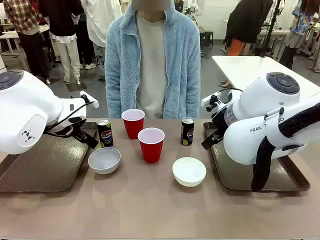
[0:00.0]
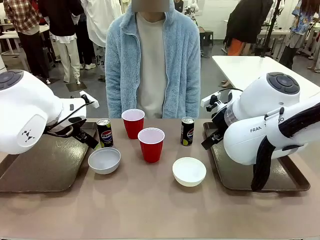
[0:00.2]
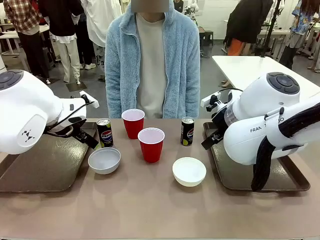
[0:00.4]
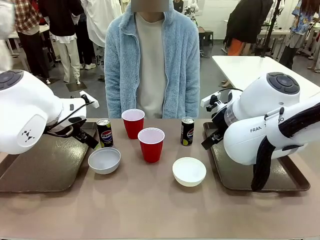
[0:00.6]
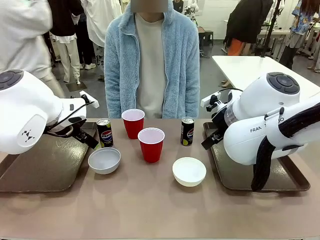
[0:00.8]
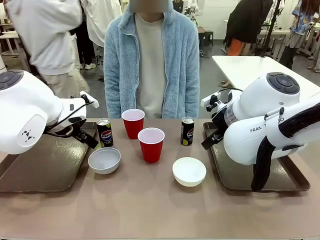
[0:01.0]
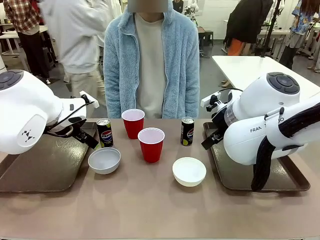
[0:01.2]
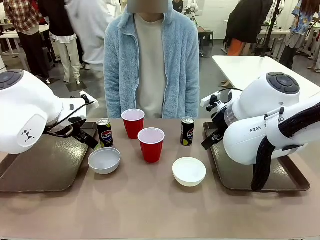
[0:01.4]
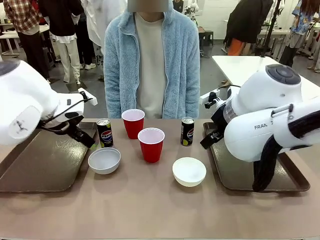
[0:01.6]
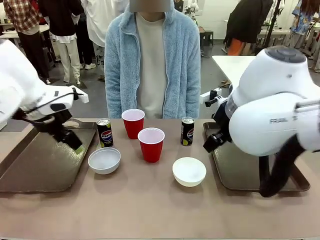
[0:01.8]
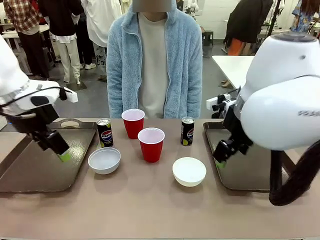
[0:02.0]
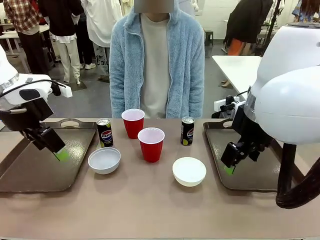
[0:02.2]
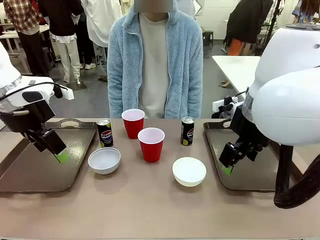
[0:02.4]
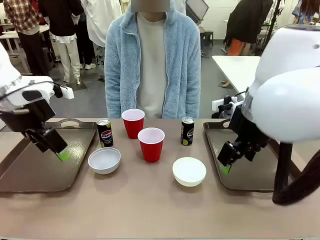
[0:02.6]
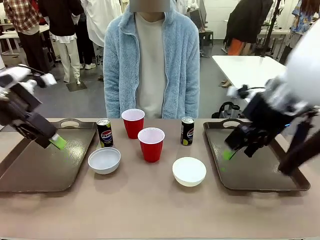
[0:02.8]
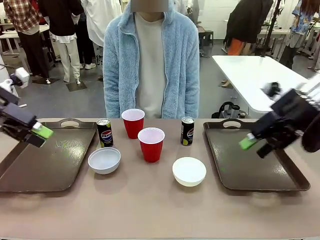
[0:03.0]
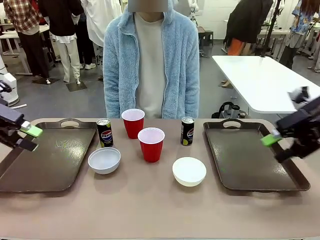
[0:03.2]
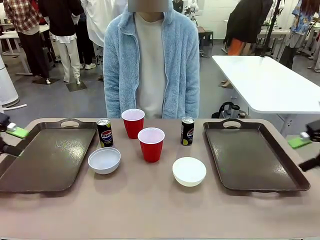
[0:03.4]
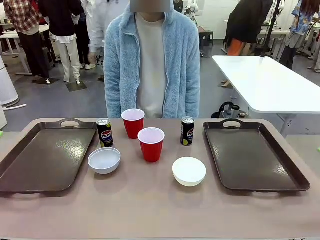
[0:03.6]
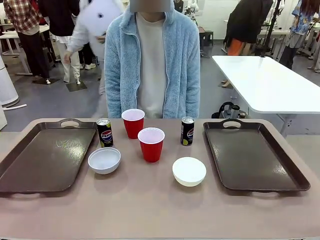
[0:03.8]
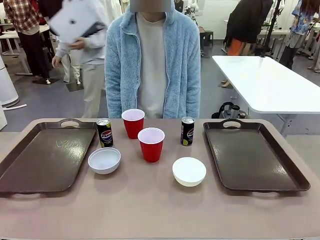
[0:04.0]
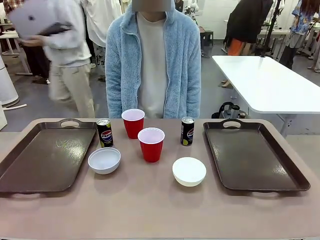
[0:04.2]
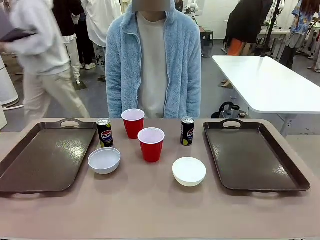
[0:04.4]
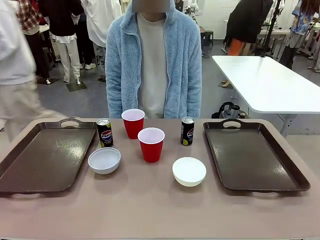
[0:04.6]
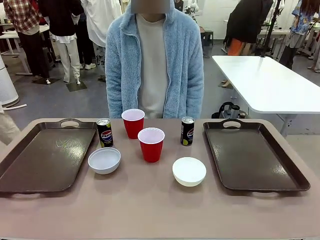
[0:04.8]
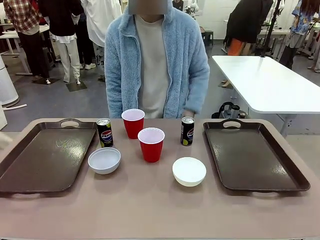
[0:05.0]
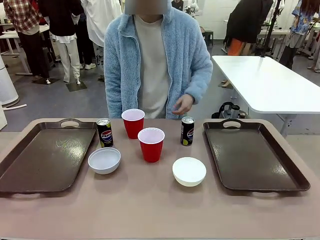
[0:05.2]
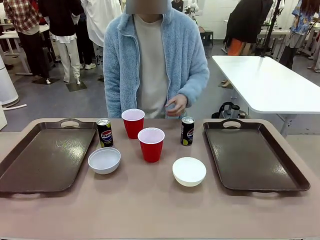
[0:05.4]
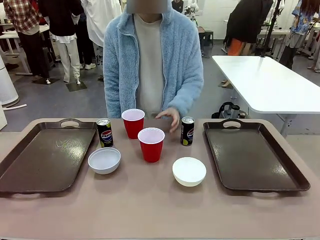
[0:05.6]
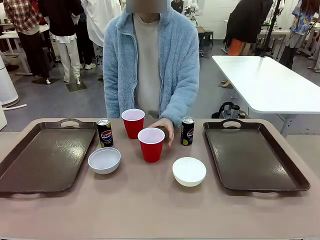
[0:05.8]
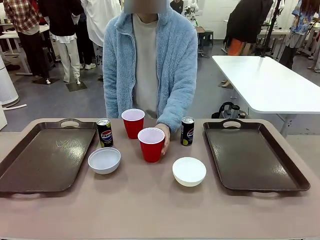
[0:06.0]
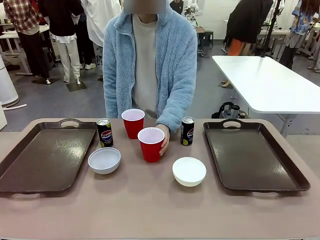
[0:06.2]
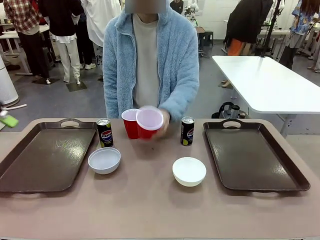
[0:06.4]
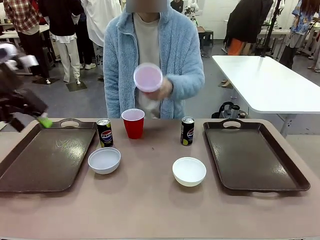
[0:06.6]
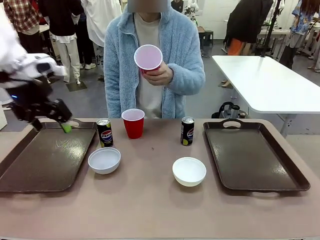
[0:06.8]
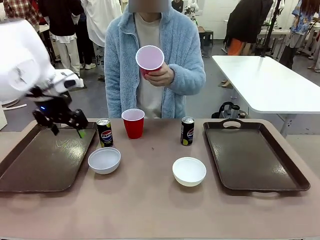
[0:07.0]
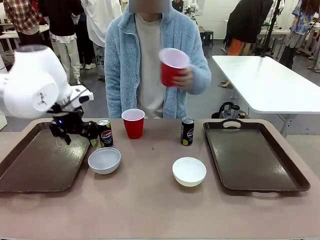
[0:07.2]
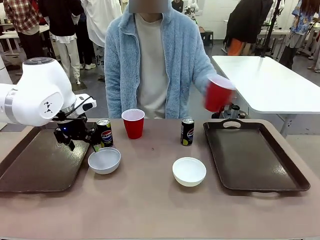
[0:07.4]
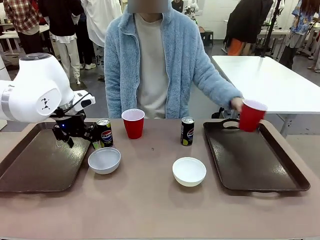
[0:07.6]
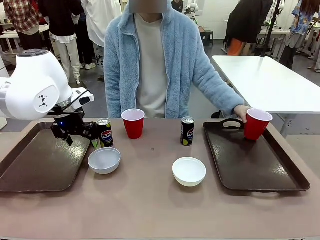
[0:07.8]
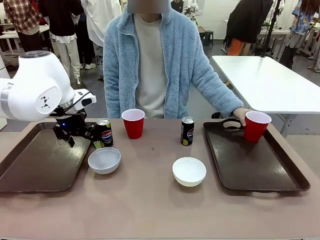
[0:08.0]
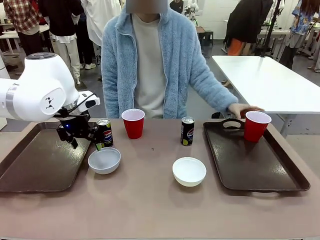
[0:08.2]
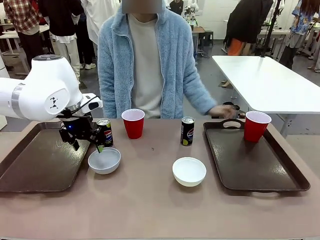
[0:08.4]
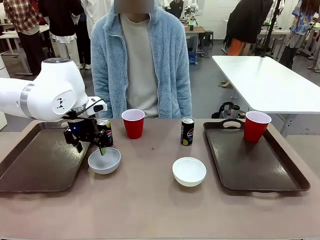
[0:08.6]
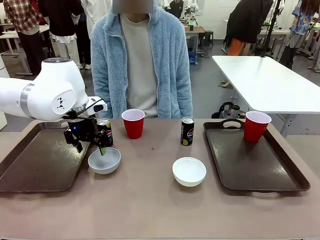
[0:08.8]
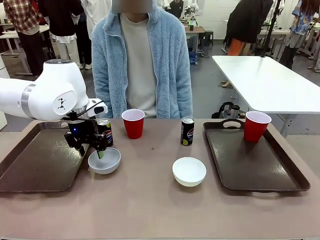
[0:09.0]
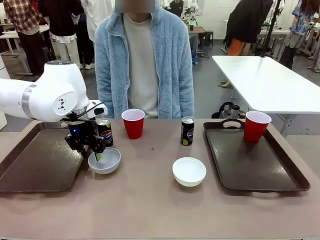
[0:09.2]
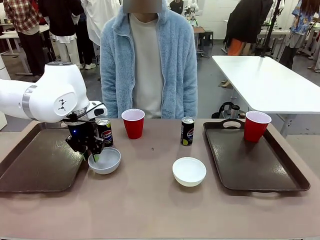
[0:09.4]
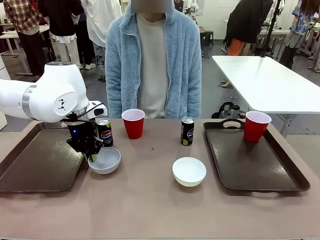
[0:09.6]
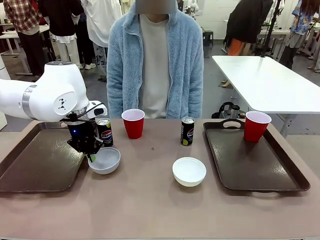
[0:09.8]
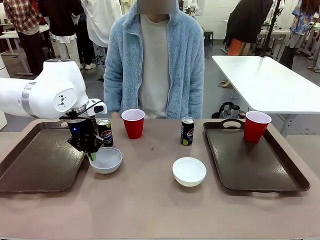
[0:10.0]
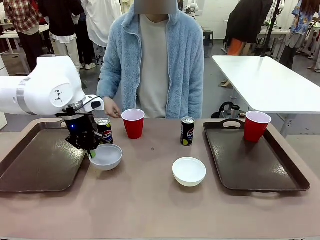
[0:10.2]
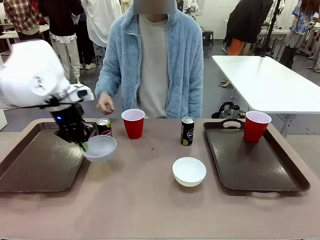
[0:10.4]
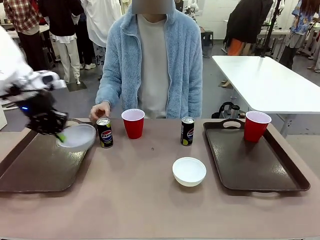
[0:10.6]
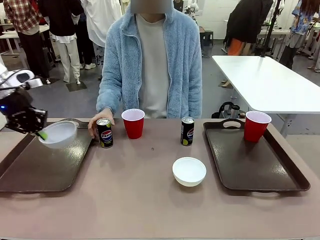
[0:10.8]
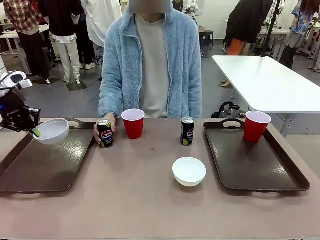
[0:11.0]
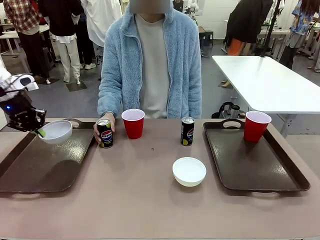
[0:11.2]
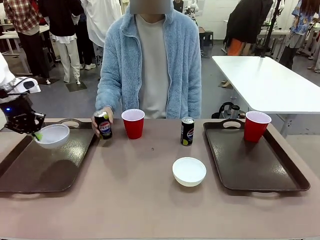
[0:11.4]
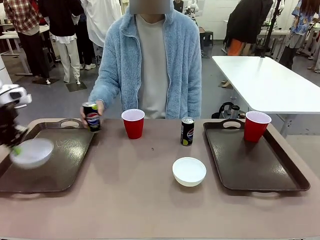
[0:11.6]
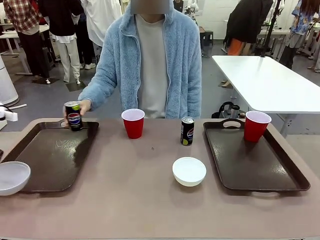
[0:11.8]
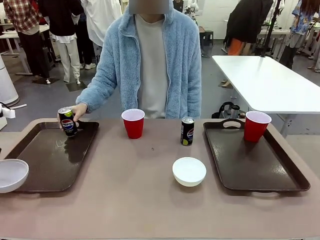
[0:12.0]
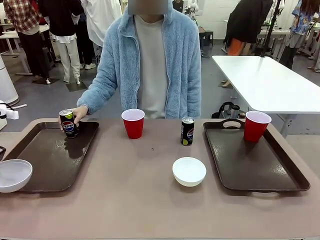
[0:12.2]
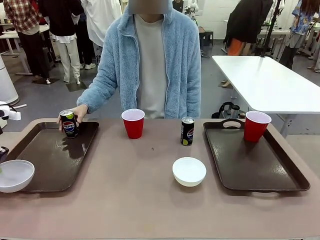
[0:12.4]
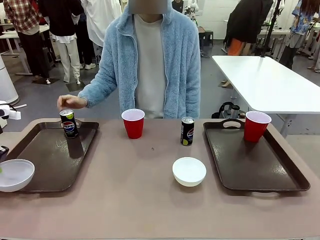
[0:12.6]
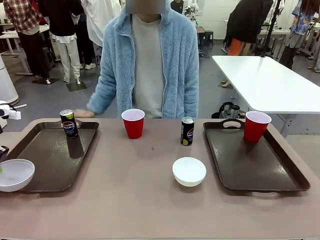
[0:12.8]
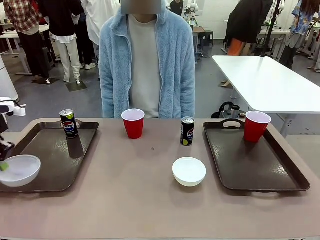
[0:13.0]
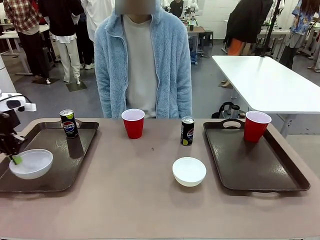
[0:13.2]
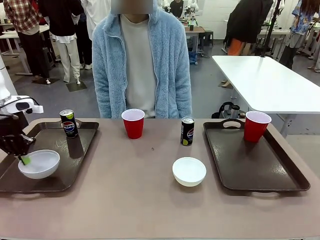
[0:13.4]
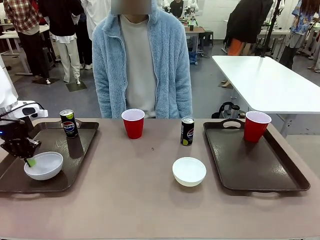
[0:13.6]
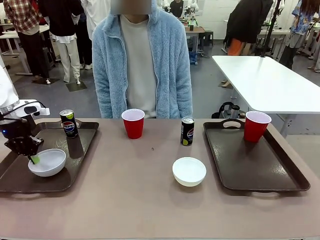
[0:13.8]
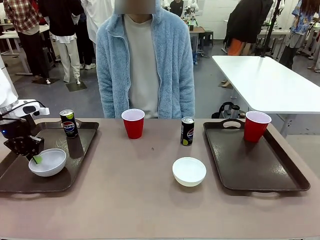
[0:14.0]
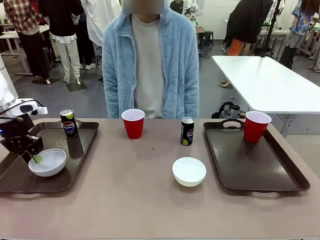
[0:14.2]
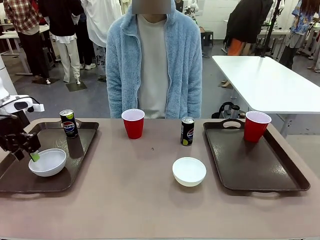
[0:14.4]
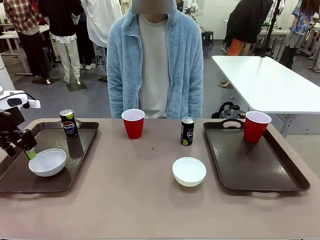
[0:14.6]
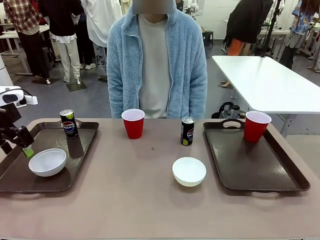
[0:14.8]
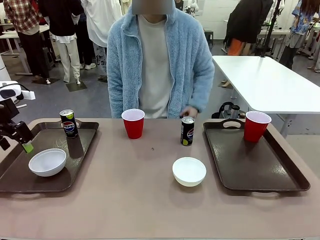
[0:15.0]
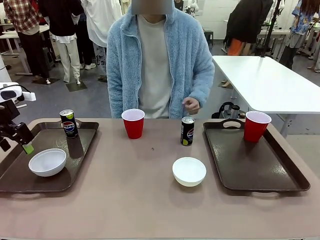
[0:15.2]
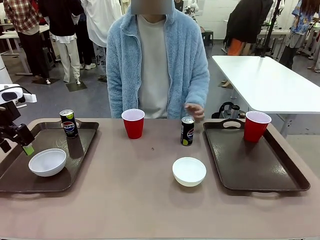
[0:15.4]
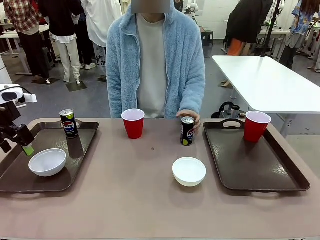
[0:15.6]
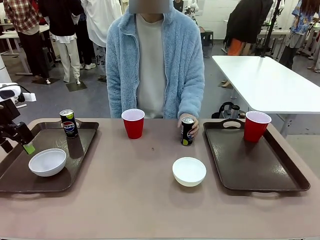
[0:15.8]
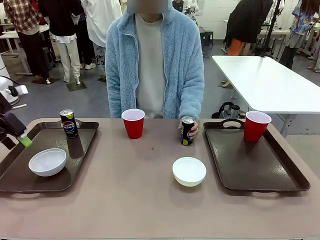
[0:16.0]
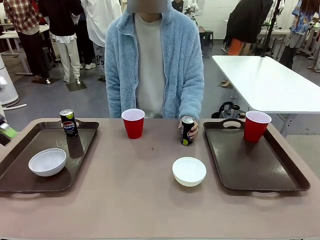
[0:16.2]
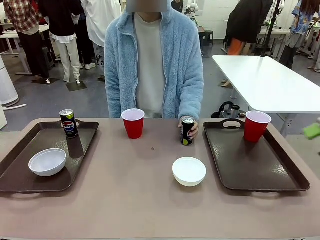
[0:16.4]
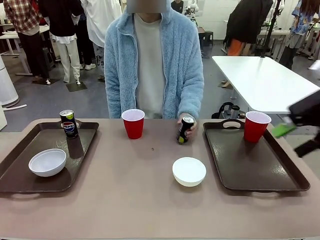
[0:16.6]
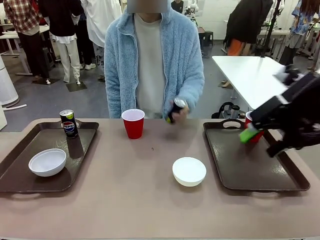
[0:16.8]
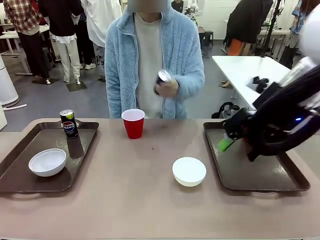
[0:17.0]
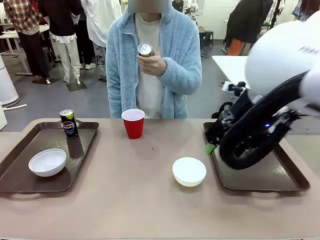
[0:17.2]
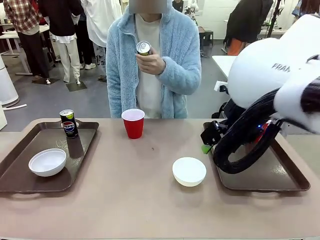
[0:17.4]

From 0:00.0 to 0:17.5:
Task: Prepare tableware on both trays.
Robot: Pick up a Picnic Bowl from the table and place it on a Handle tray.
Person: Pick up a can or cup and place it on the tray.
